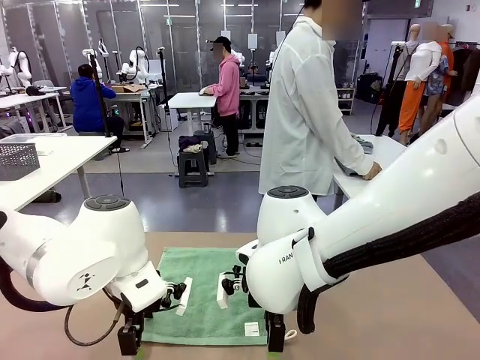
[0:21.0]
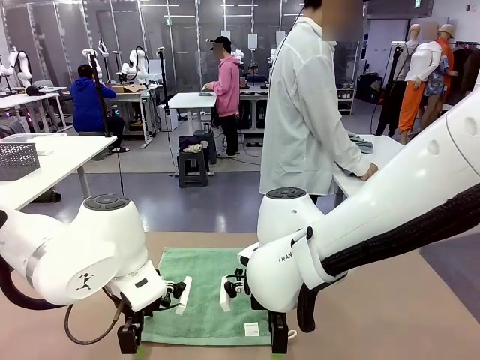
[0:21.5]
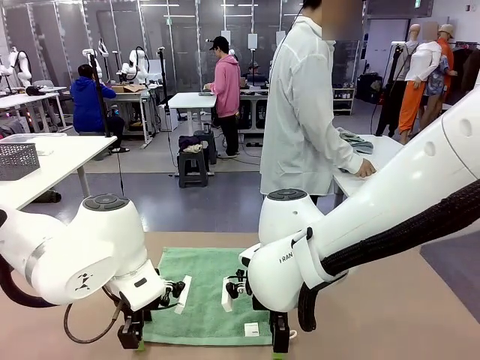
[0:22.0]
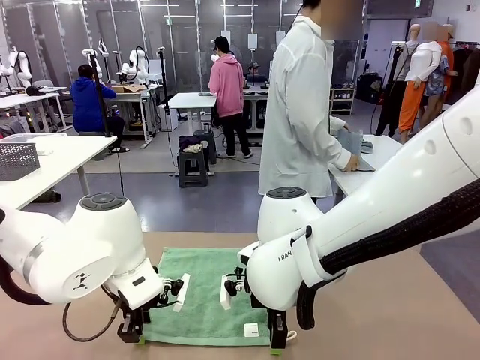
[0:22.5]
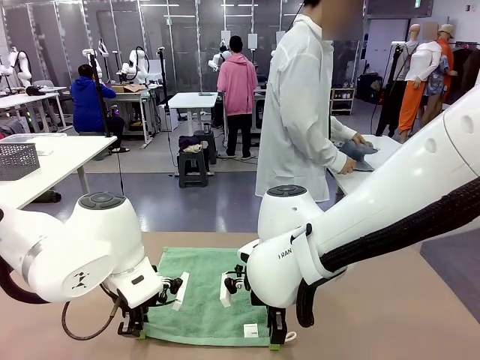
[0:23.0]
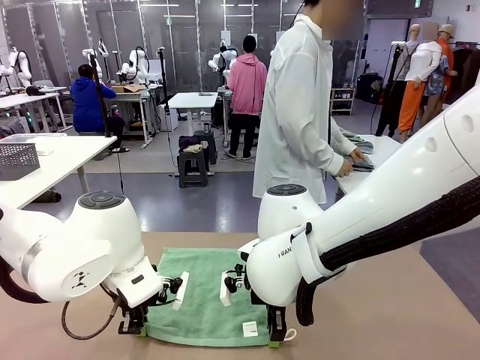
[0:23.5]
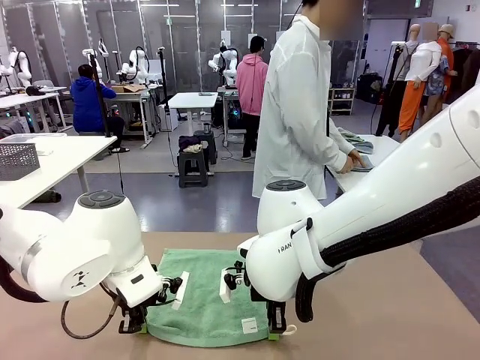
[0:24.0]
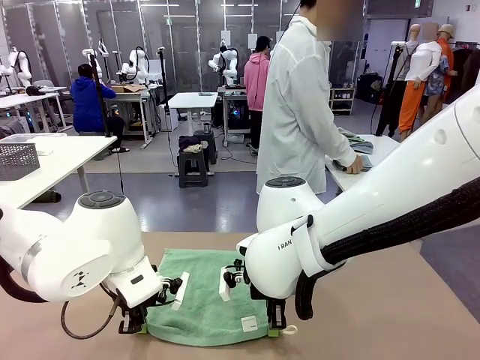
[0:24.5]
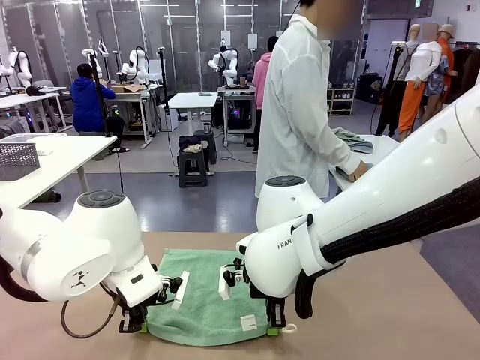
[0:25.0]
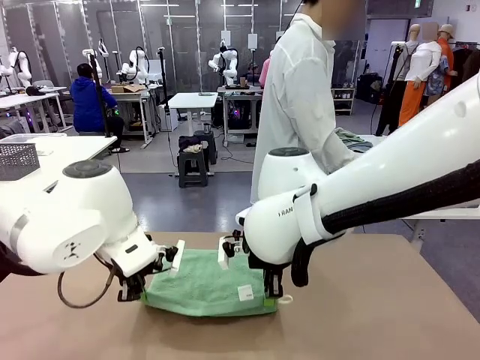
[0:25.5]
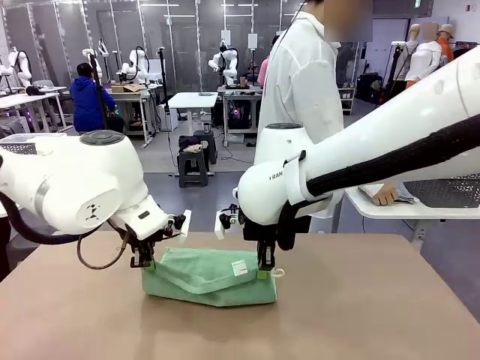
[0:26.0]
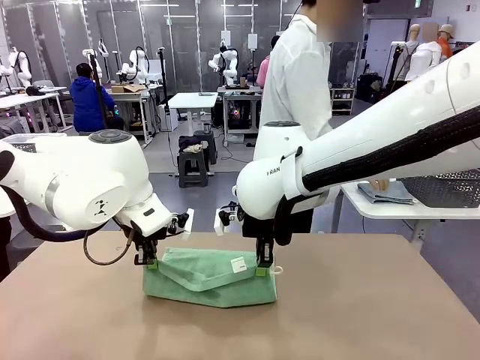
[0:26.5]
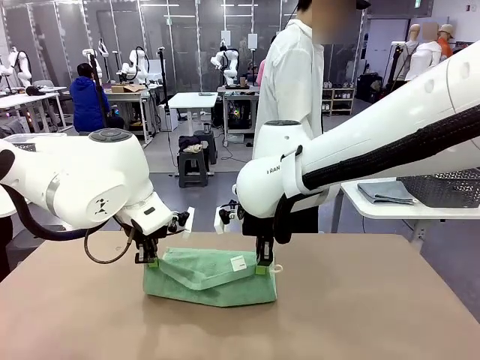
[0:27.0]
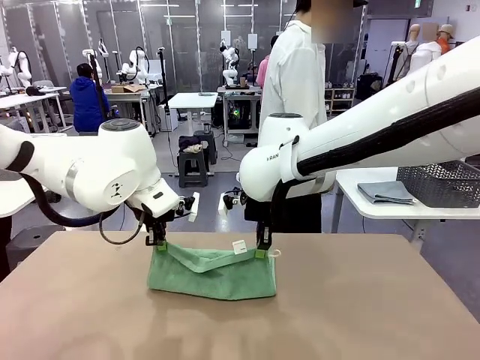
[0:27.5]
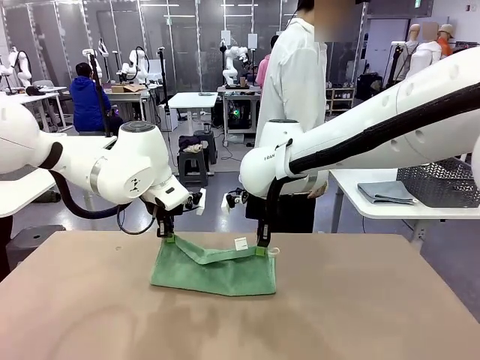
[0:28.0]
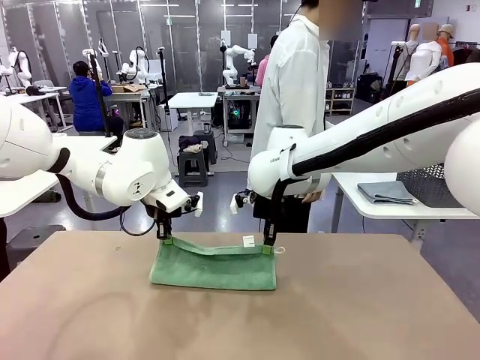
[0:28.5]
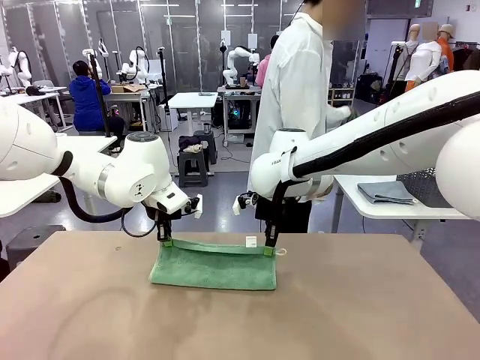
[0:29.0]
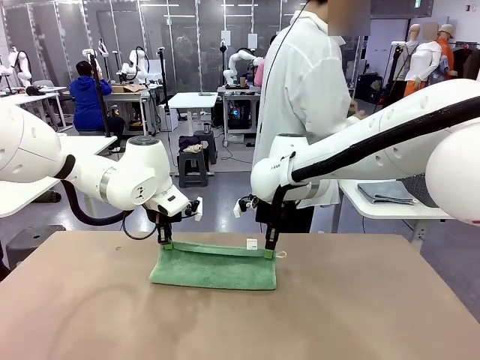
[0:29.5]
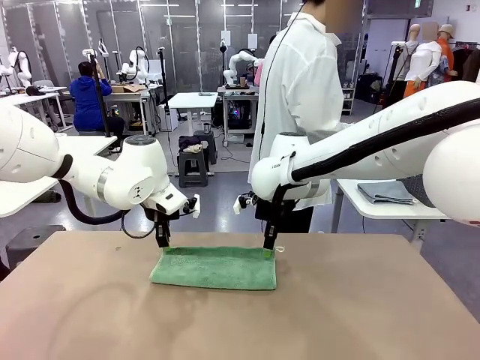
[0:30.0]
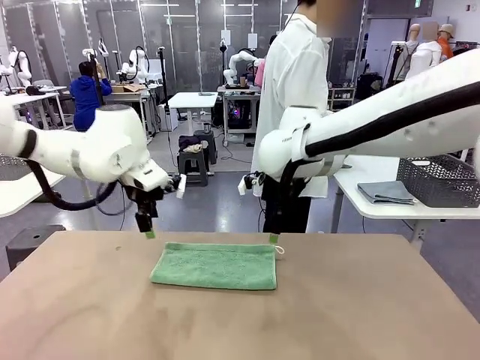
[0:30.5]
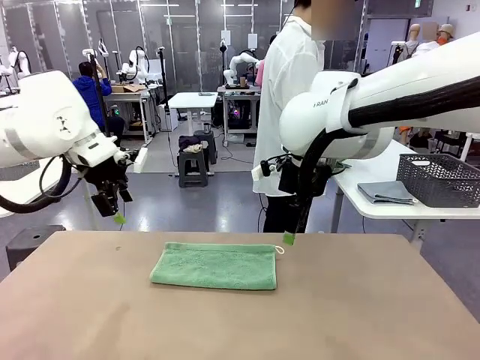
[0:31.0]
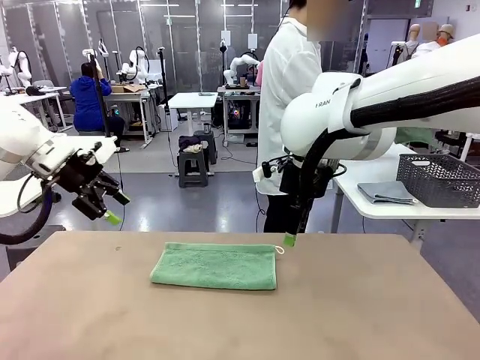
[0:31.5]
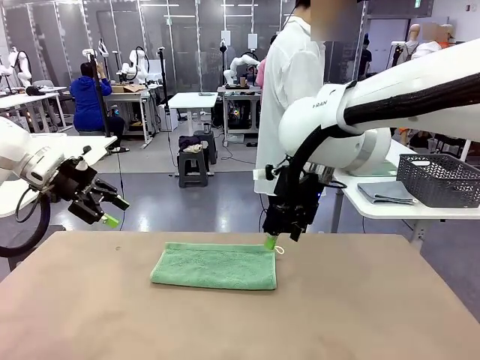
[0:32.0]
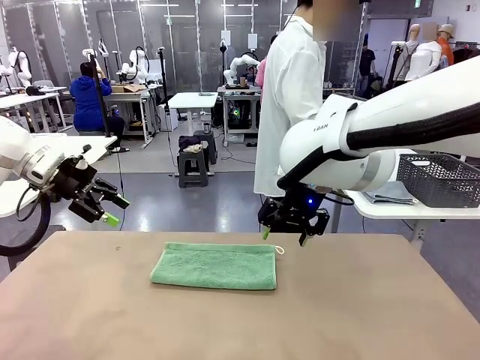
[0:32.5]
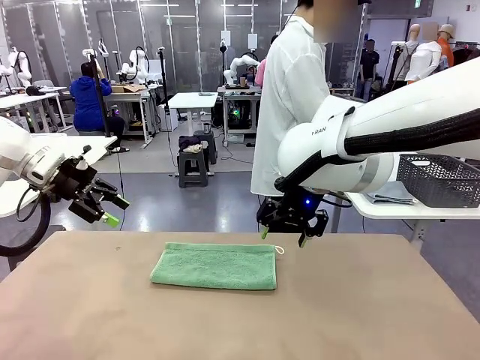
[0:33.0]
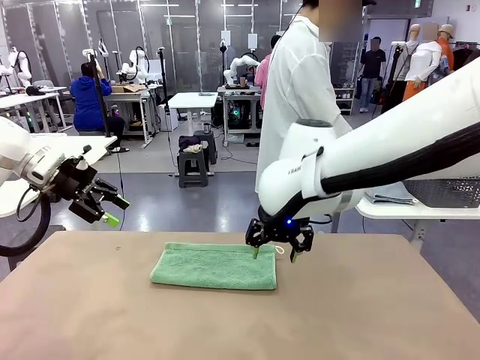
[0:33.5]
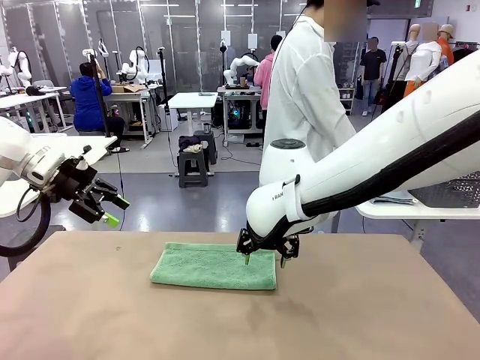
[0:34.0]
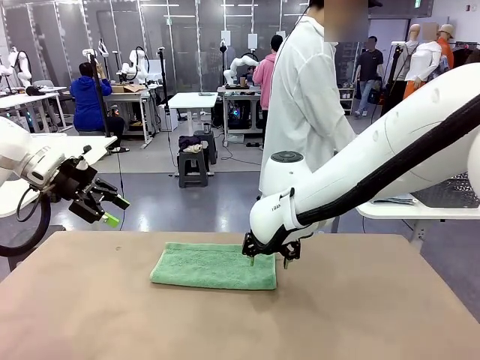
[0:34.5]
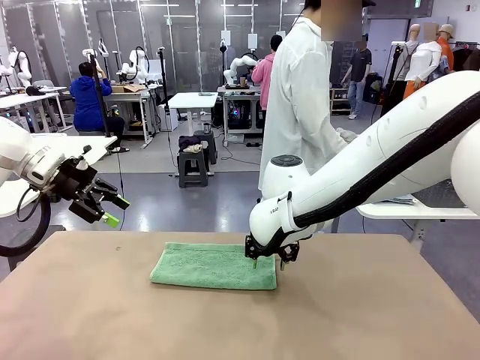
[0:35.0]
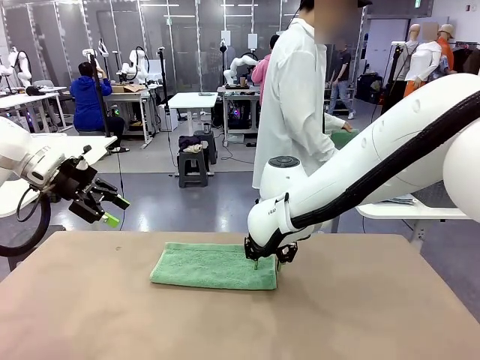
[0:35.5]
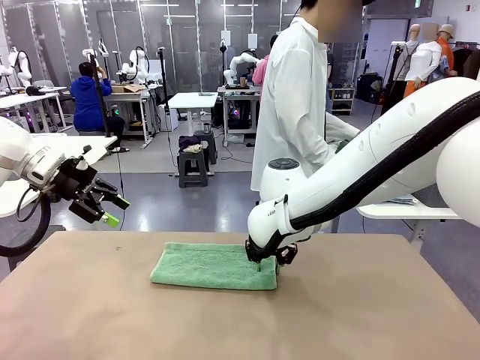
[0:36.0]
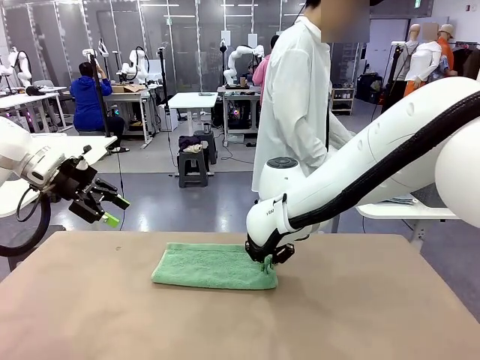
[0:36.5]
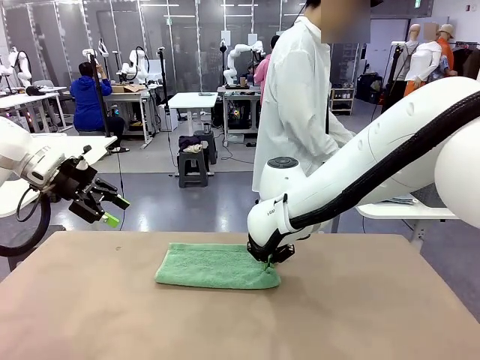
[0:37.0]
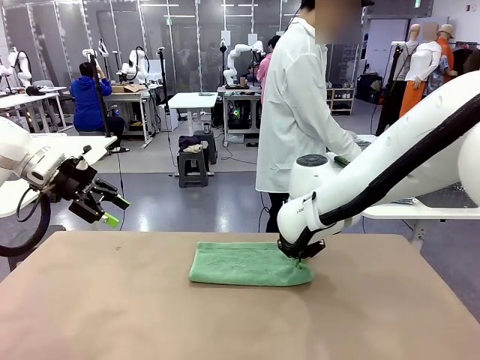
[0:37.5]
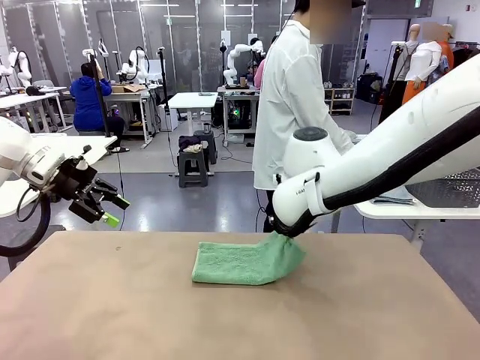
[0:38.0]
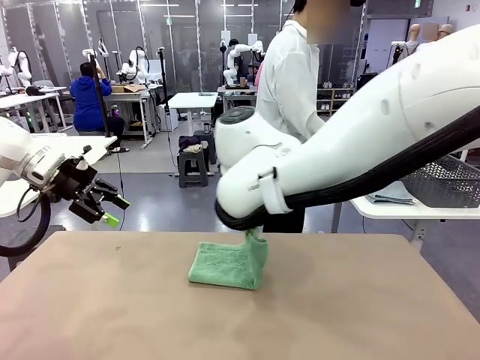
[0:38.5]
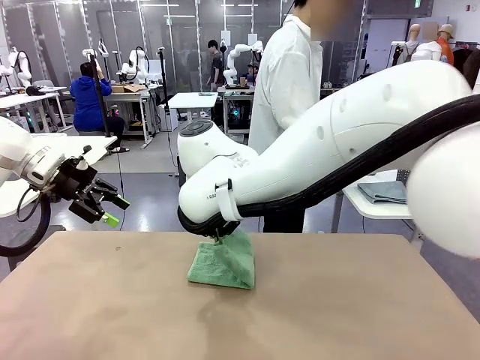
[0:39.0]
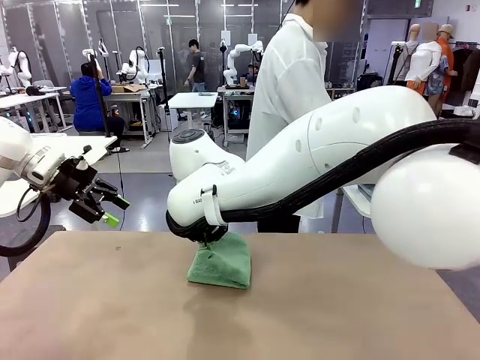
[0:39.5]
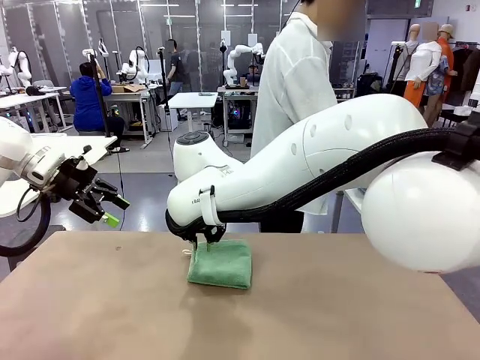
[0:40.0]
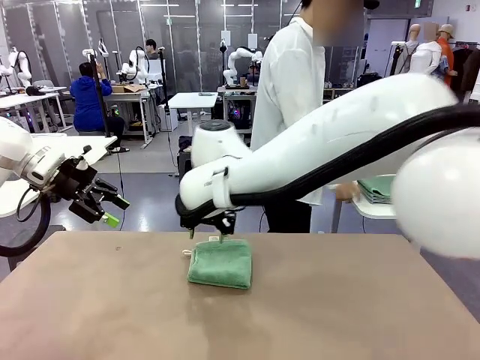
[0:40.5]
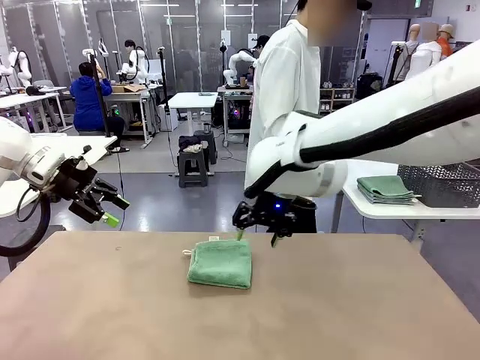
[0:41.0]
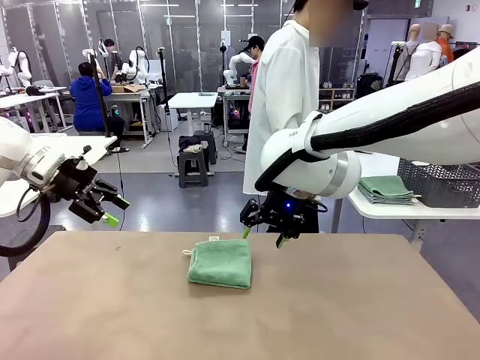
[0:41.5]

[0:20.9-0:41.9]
Task: Fold the towels and place them in the basket.
Robot: When a person lays out a Towel with hook on the table, fold it in half twice.
Person: Pick up one towel from the left side of the human table, fold it in half twice, and place it on the right side of the table. Pick up one towel from the left side of the human table, fold it in half twice, and stack it on the right side of the table.

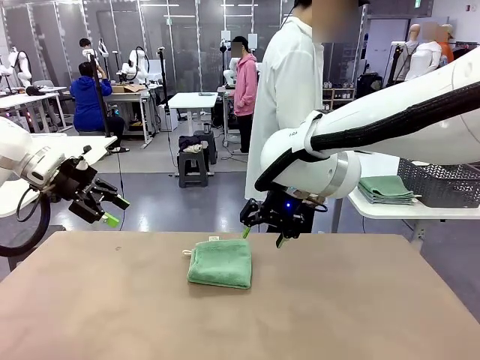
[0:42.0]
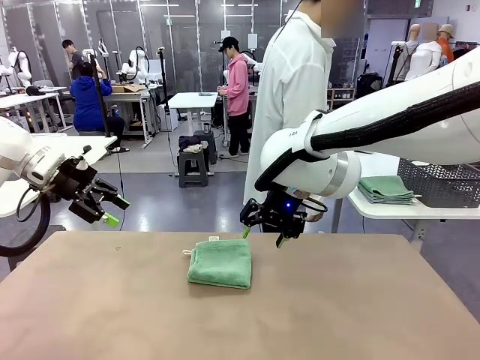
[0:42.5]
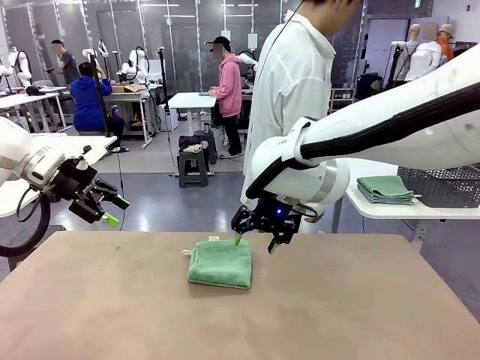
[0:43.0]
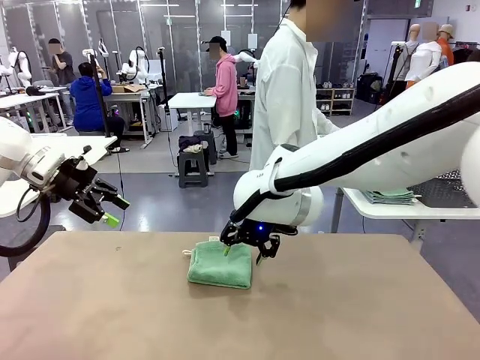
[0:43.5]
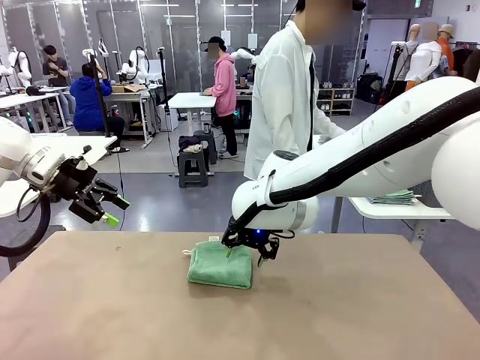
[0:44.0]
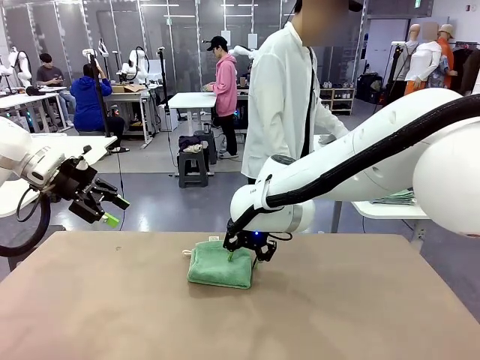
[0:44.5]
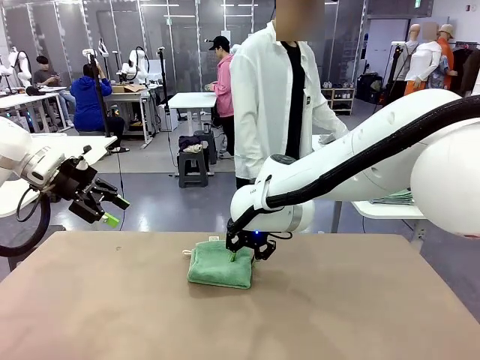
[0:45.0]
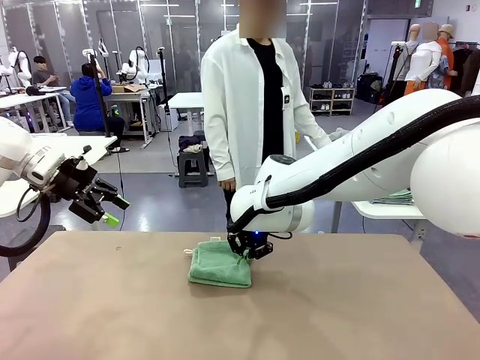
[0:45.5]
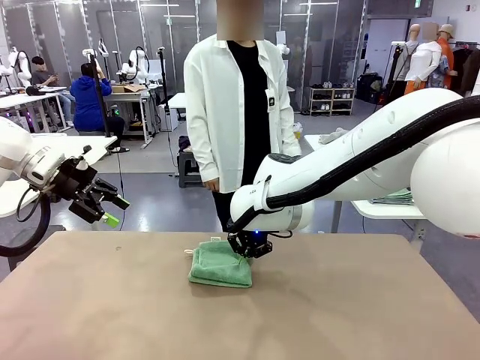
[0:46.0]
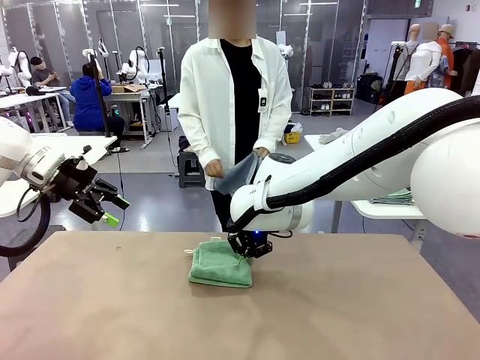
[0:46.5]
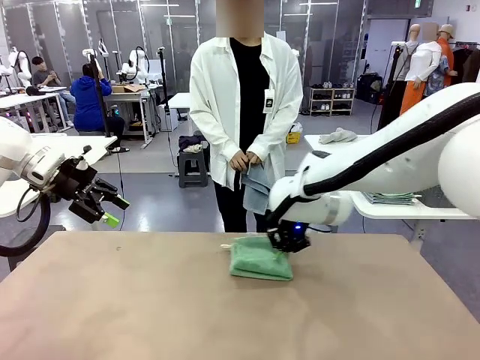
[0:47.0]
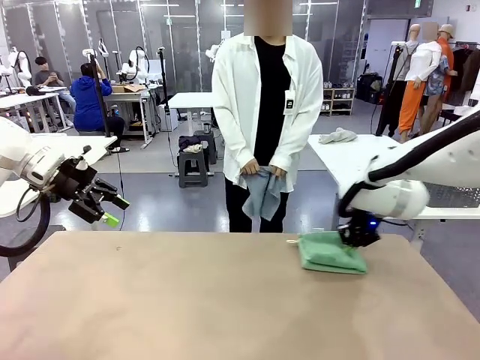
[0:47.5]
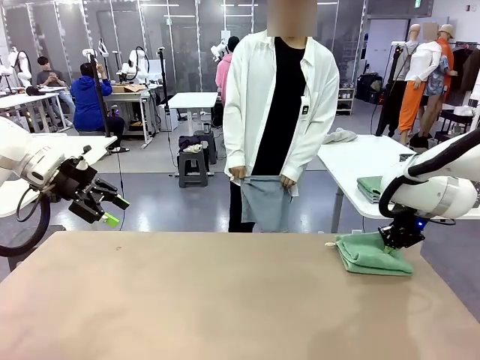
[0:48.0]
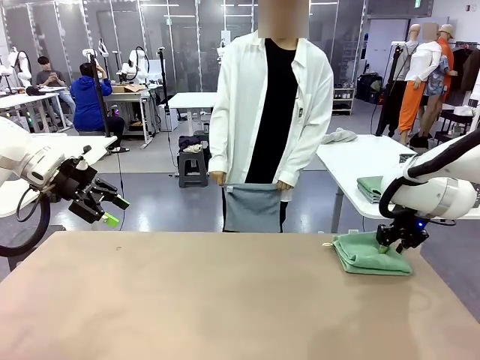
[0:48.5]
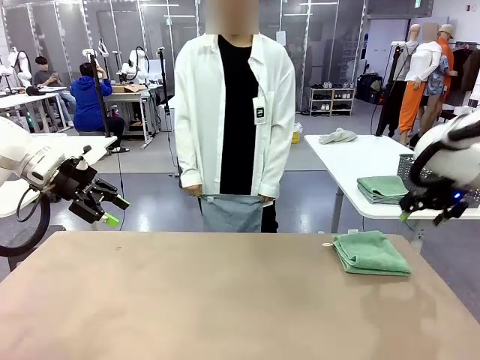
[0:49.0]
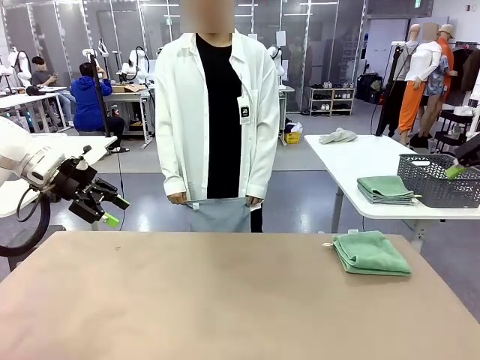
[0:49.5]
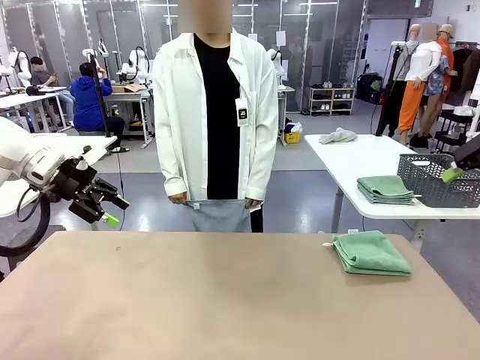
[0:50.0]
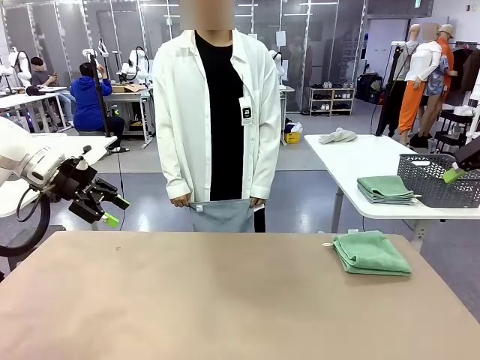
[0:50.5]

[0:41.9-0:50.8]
Robot: Place the folded Towel with hook on the right side of the table.
Person: Pick up one towel from the left side of the human table and spread it out at the center of the robot table.
